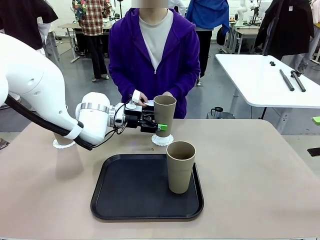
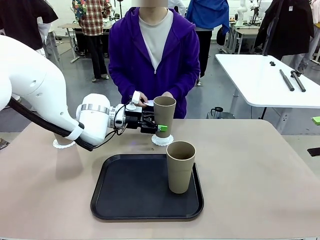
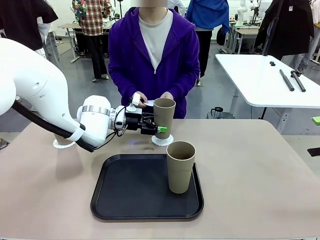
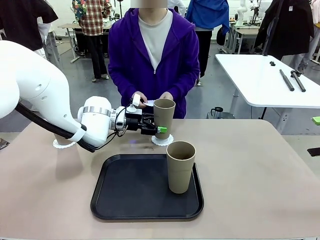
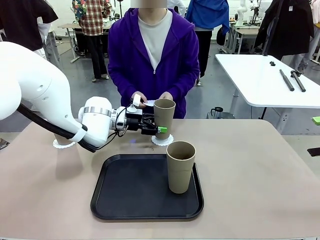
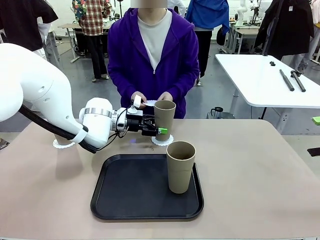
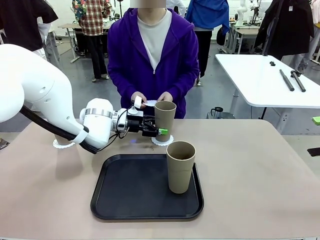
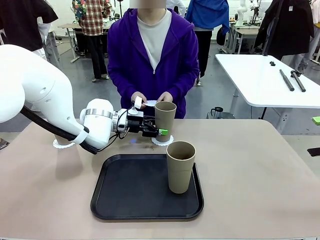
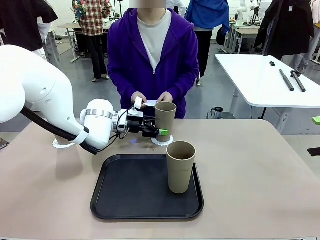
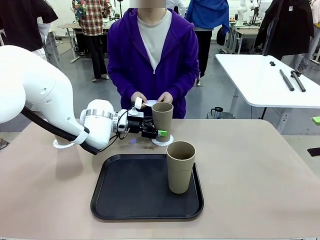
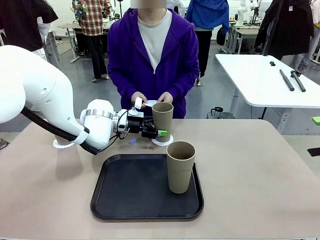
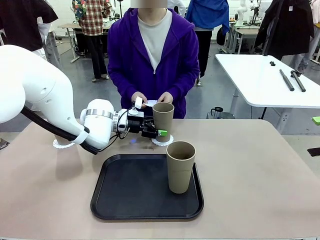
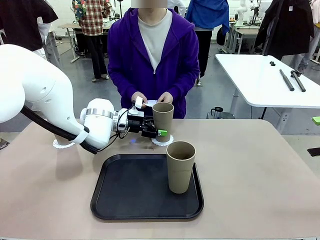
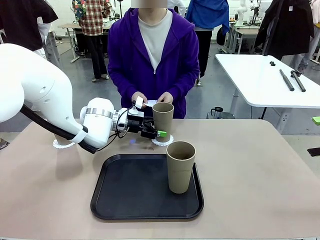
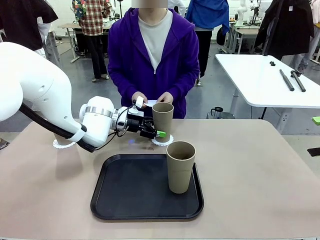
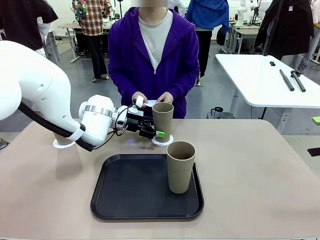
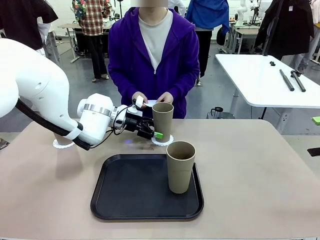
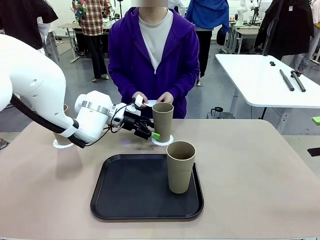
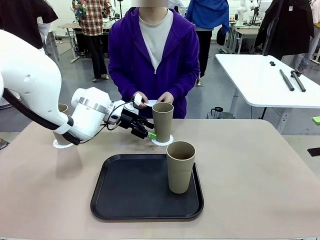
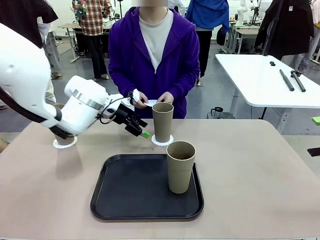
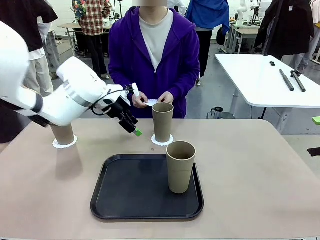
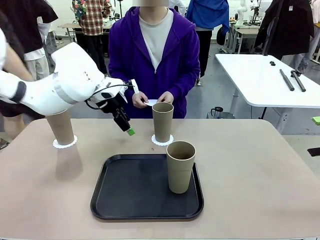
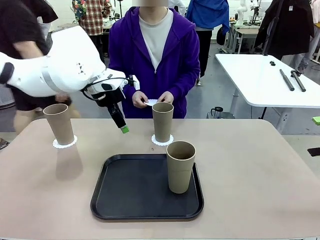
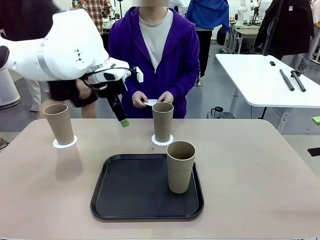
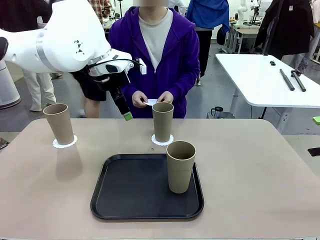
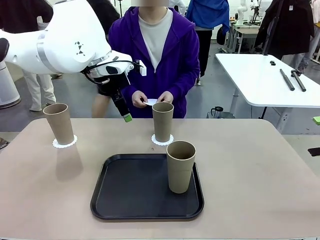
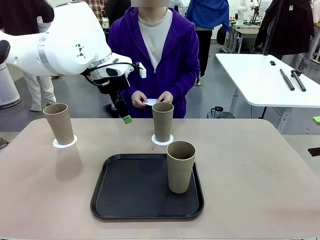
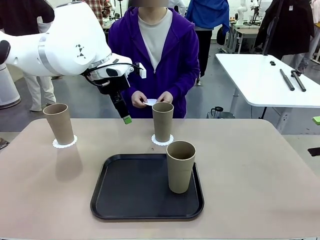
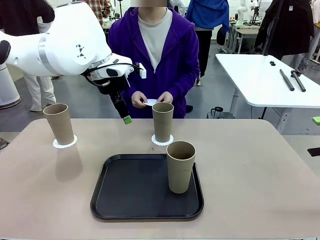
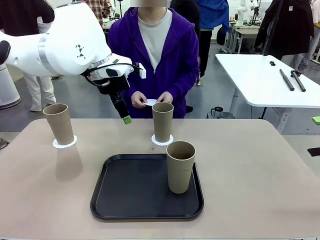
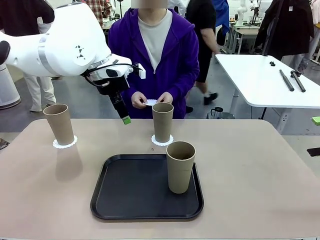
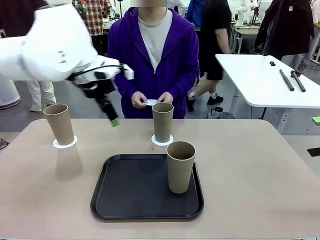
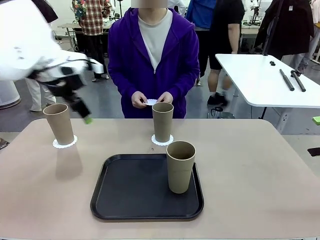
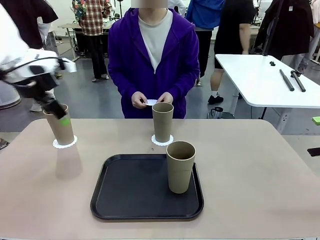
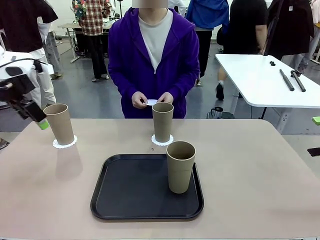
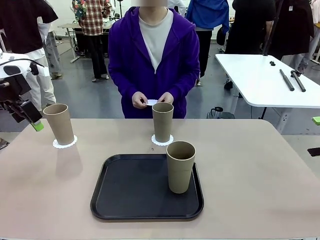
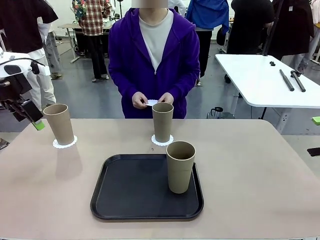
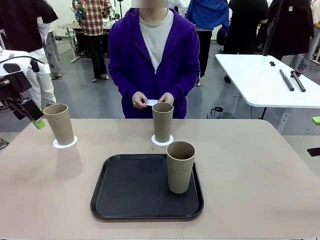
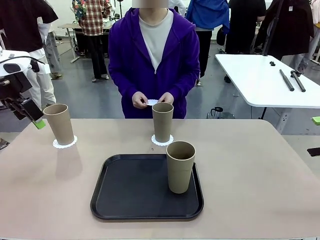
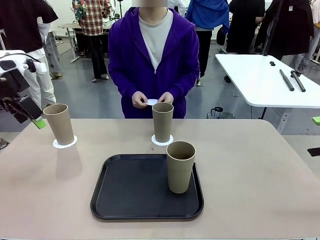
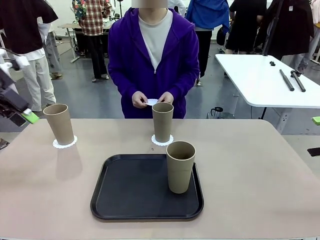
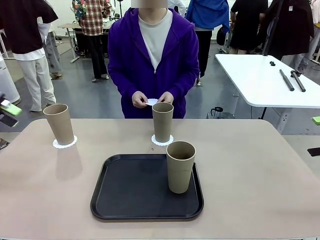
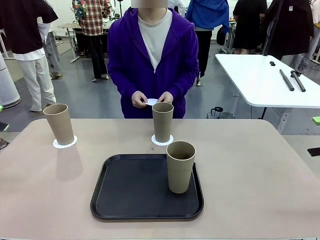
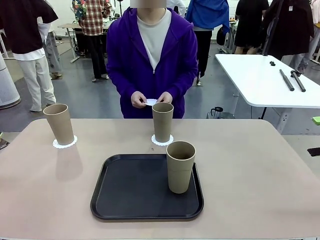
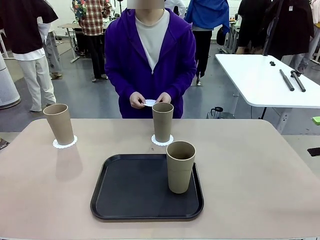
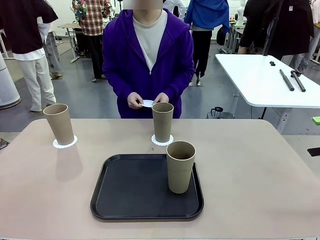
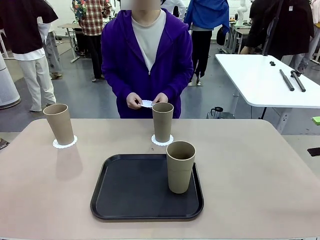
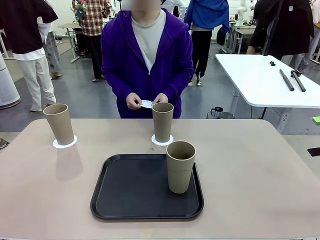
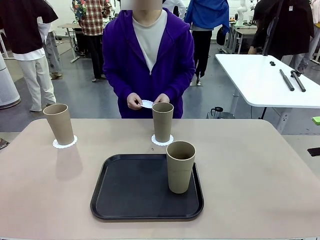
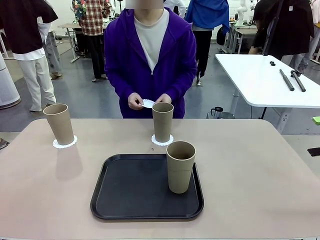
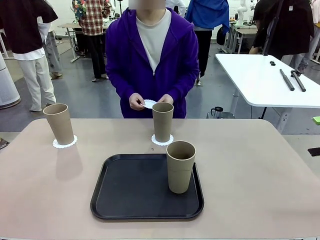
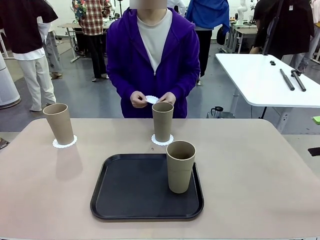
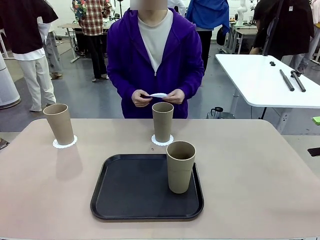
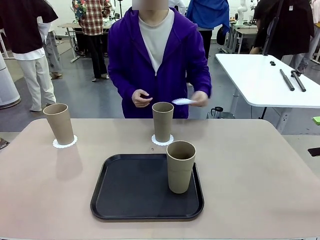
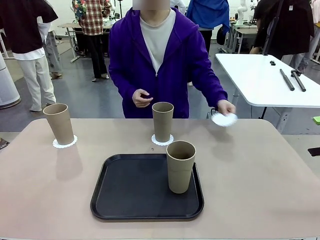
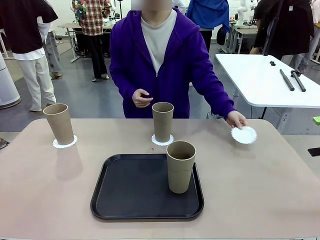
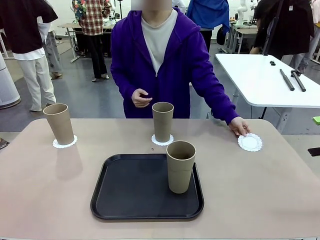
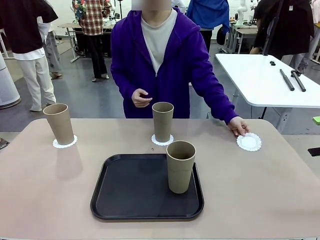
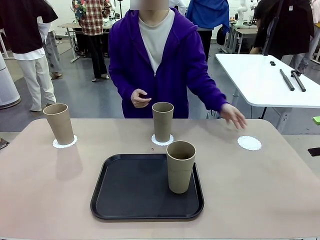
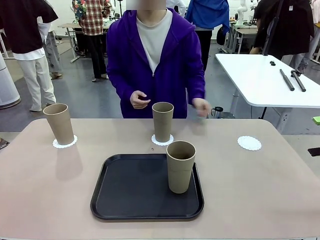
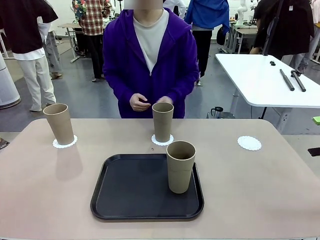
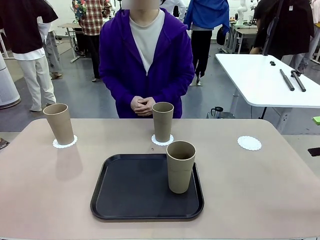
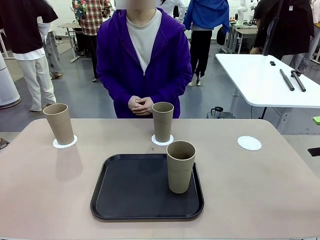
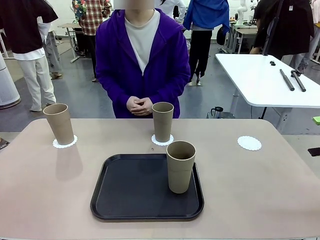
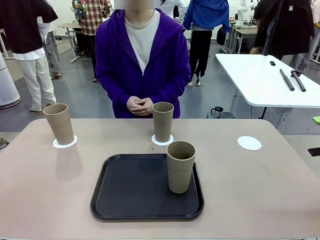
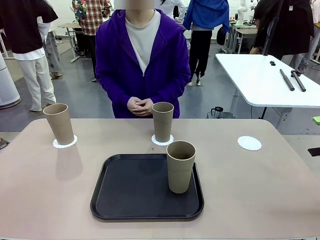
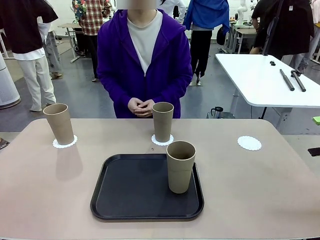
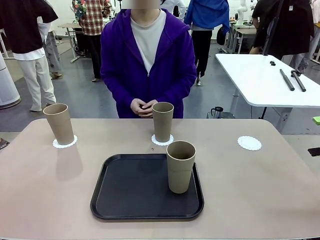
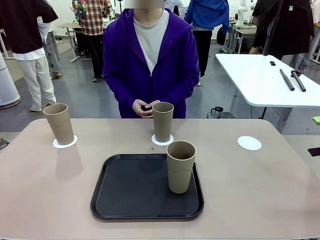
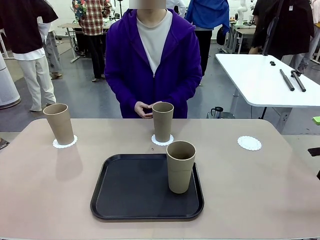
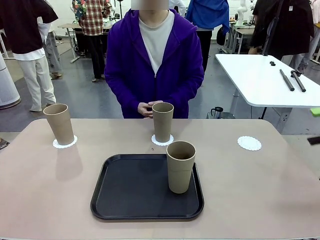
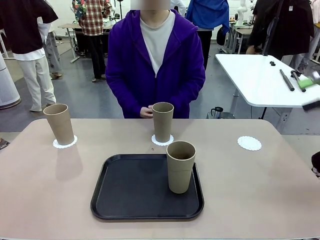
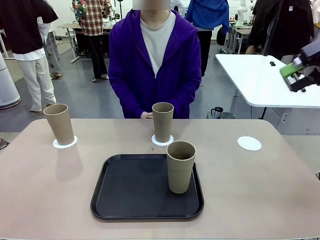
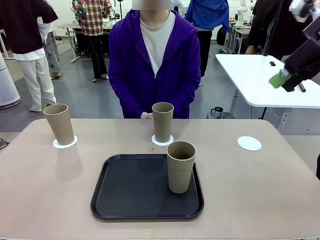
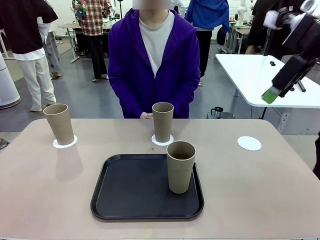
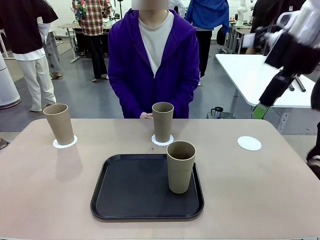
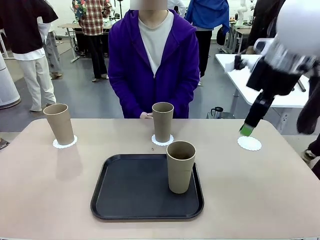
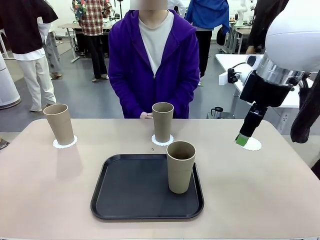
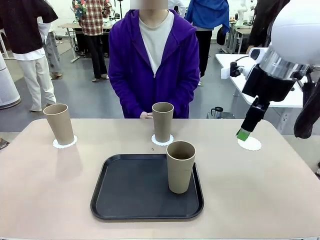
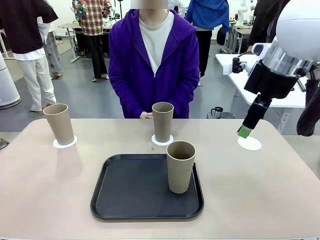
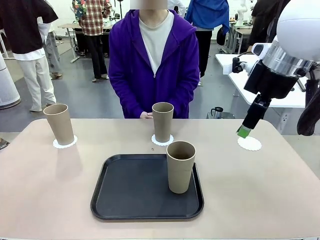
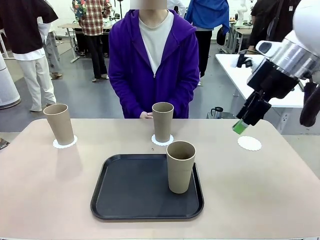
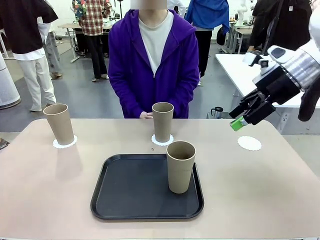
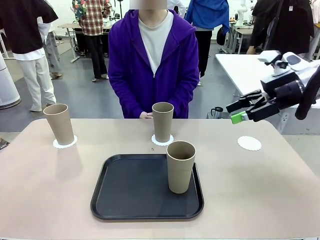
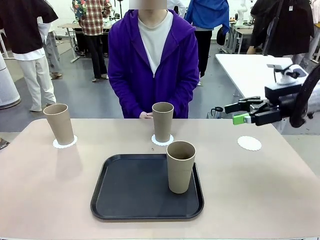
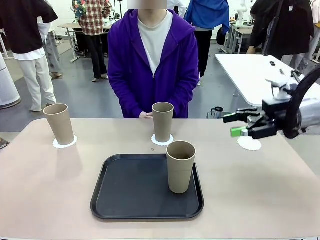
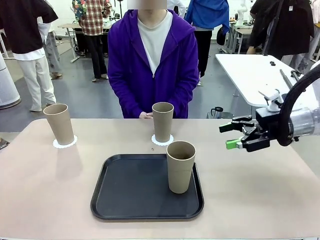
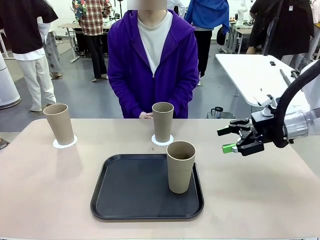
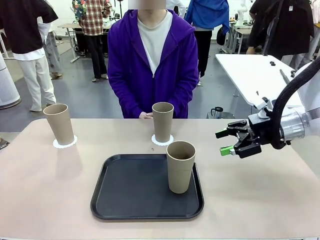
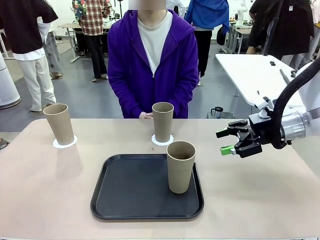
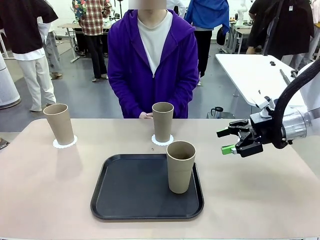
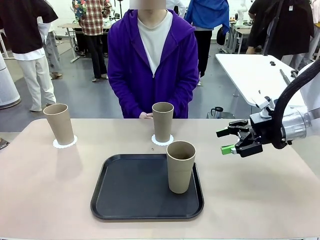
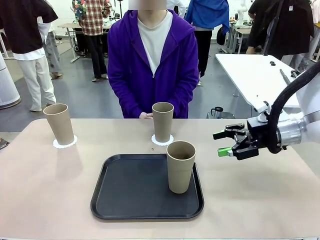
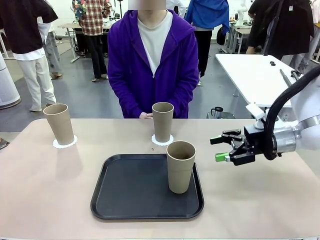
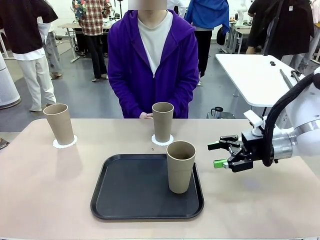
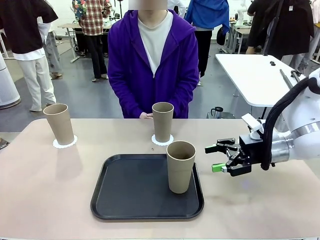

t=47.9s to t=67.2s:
Task: Place coasters on the table and set cups on them.
Robot: Take one Reusable plastic cup from the Flat Tray and place it on a coaster set by the human.
